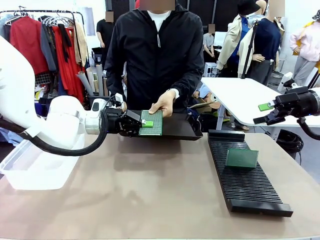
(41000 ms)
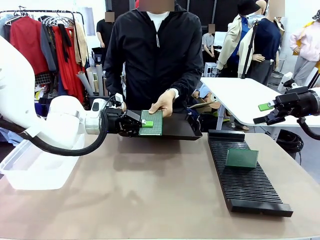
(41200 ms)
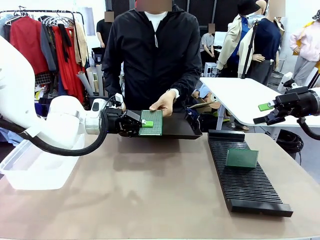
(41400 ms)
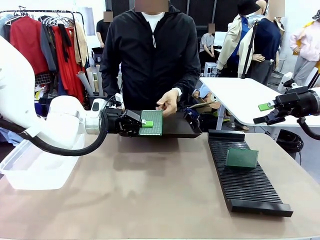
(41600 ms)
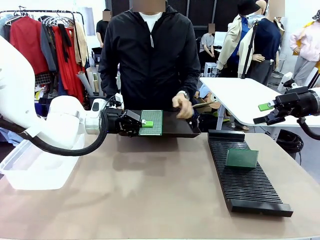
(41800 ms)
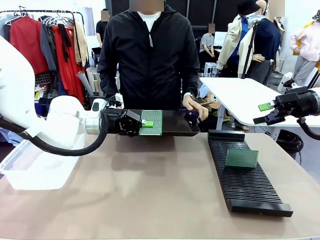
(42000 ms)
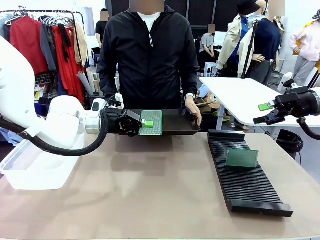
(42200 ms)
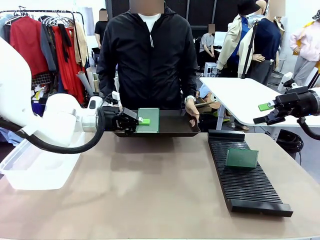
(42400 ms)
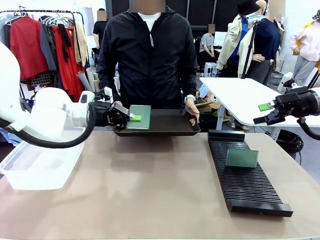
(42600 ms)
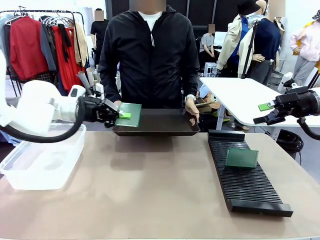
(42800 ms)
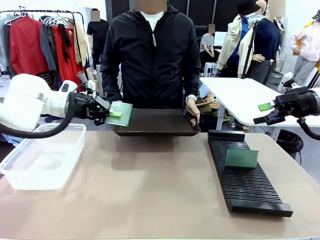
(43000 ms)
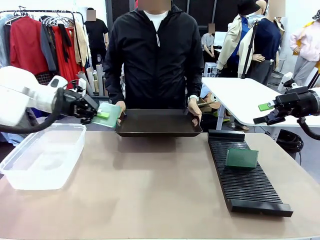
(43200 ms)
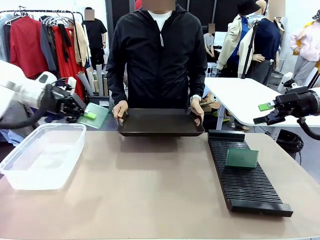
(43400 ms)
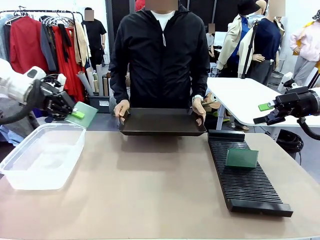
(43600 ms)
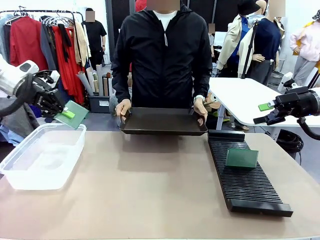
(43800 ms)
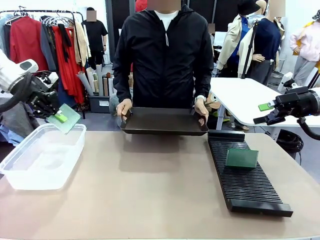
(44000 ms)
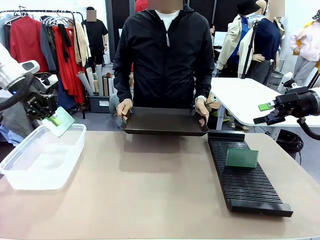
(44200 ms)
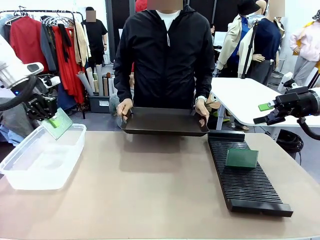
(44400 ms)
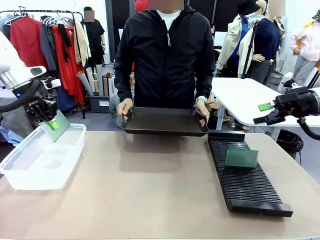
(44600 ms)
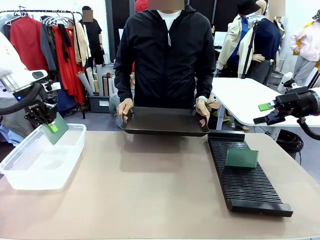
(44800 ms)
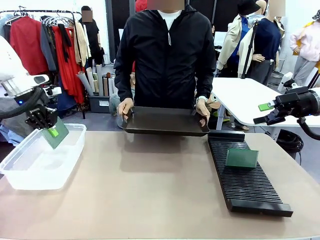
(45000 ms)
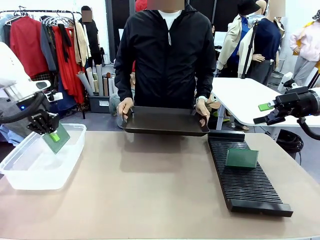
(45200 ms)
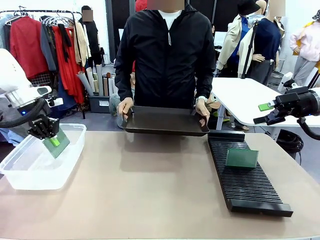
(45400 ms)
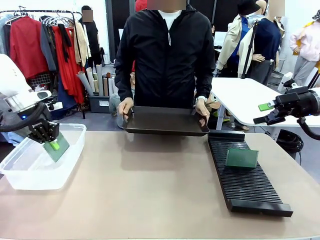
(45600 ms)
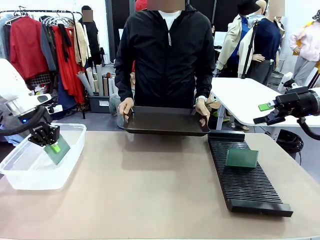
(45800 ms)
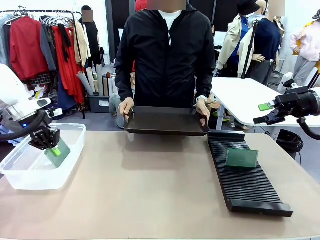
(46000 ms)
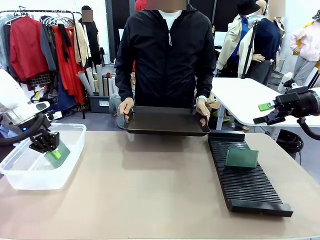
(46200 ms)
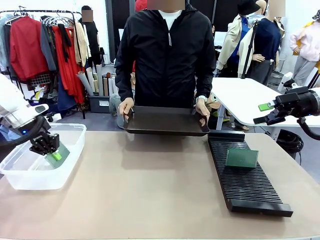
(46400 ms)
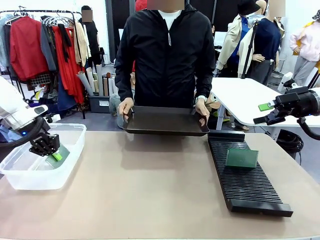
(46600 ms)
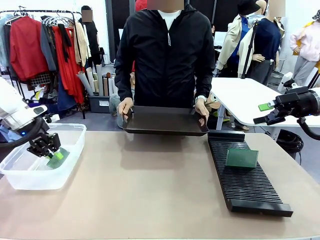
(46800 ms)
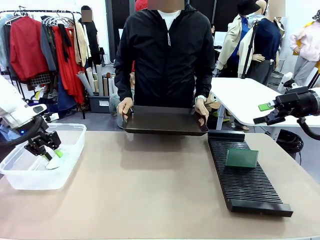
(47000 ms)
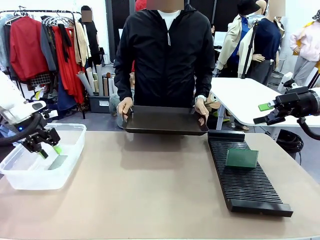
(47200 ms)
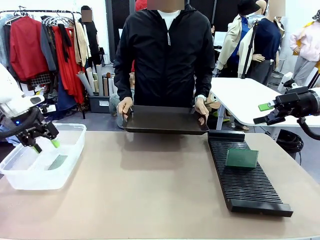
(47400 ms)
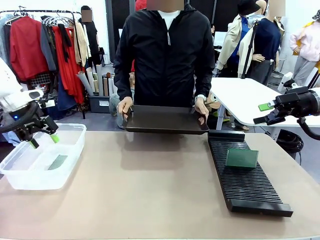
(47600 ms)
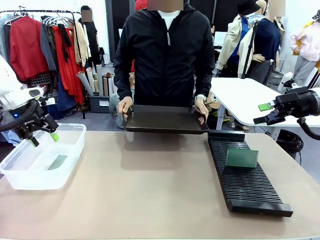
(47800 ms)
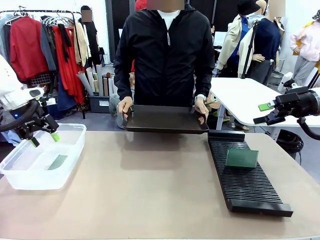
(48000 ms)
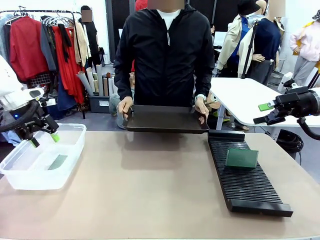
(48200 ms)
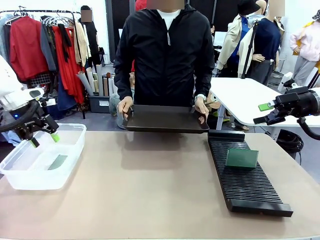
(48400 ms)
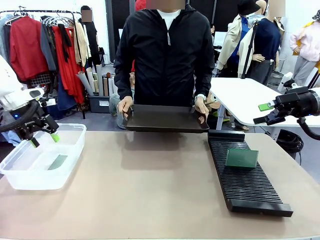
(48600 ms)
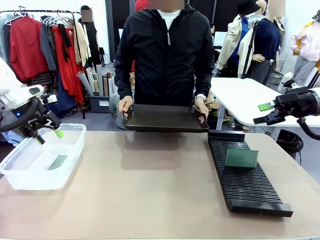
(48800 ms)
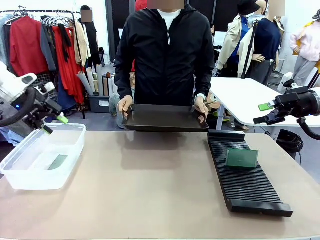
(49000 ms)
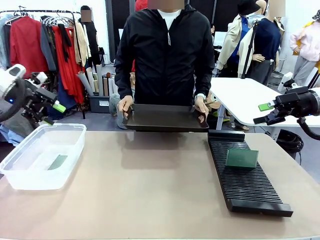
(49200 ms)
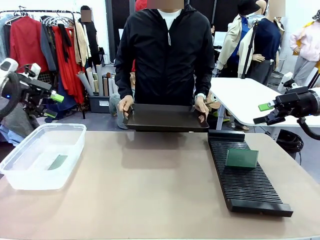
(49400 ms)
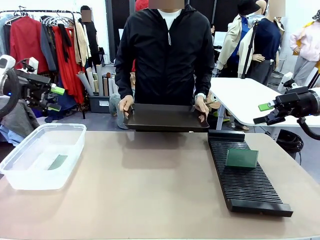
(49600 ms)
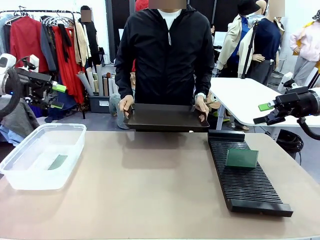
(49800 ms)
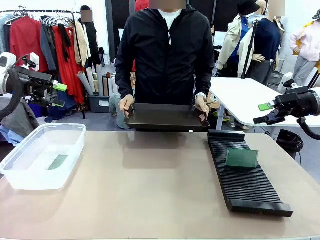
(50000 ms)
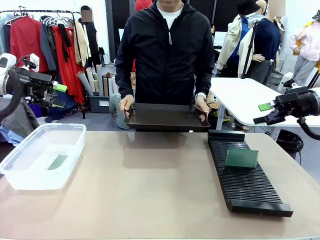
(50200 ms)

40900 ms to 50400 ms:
Task: Sort PCBs into racks and boxes based on the side picked up.
Robot: If the short side of the Blank PCB is picked up, insert it into the PCB Rack ; if the long side is picked up, place it in the Organizing box.
Person: Release the PCB being held.

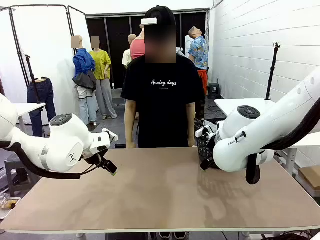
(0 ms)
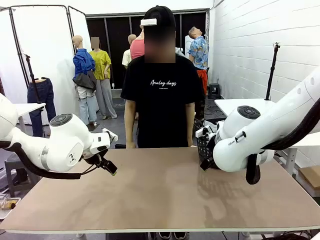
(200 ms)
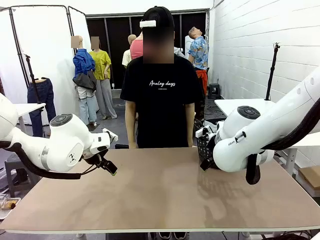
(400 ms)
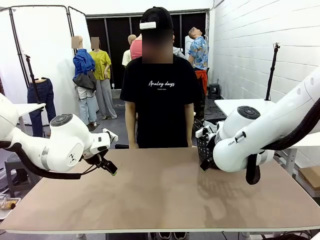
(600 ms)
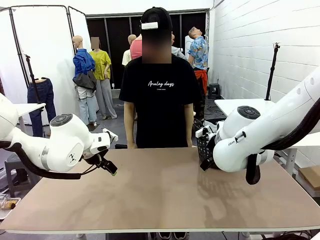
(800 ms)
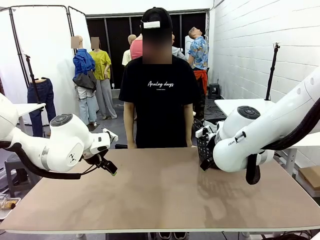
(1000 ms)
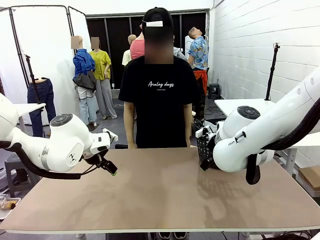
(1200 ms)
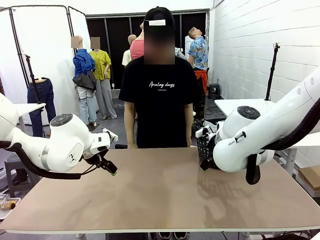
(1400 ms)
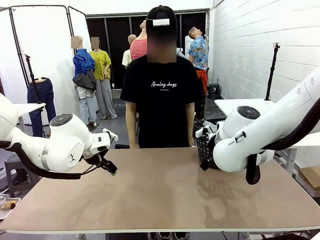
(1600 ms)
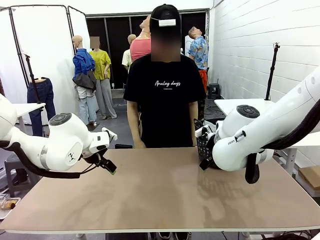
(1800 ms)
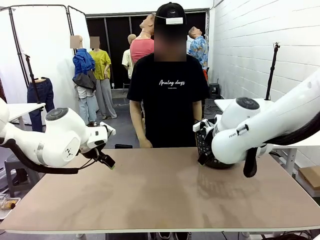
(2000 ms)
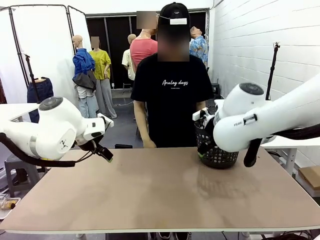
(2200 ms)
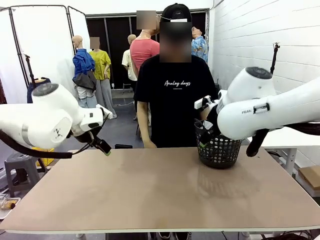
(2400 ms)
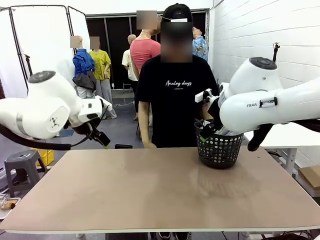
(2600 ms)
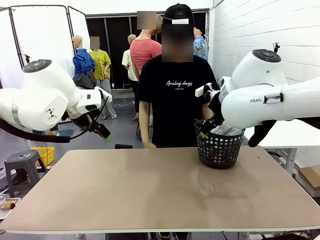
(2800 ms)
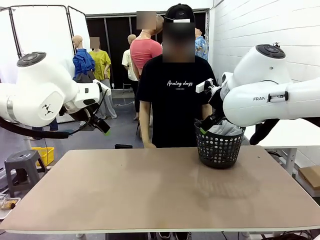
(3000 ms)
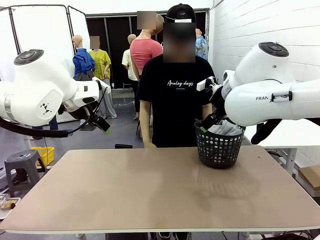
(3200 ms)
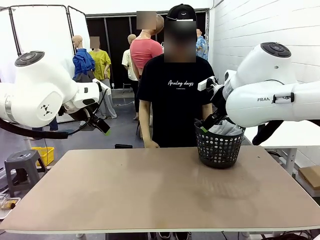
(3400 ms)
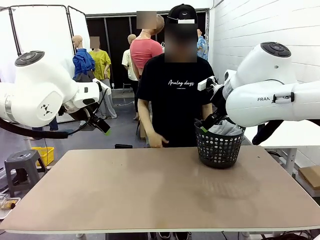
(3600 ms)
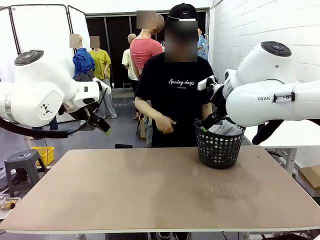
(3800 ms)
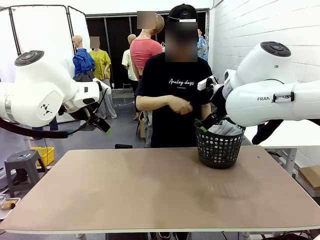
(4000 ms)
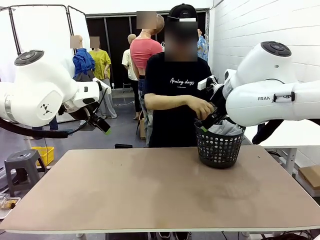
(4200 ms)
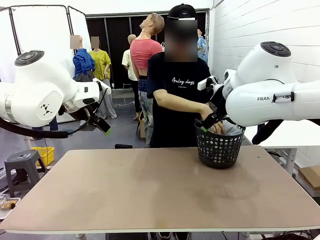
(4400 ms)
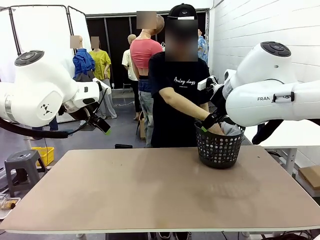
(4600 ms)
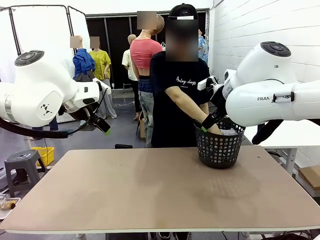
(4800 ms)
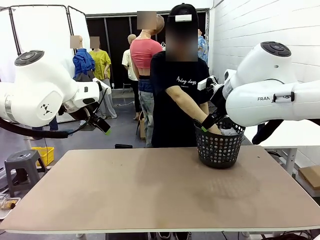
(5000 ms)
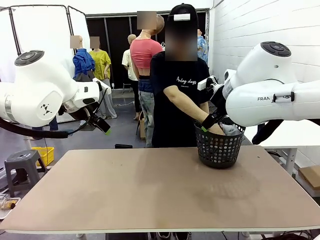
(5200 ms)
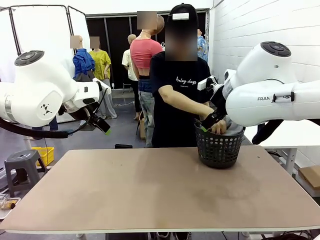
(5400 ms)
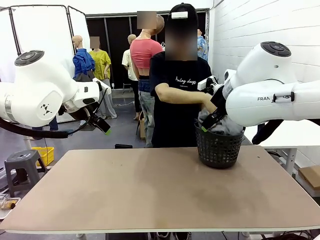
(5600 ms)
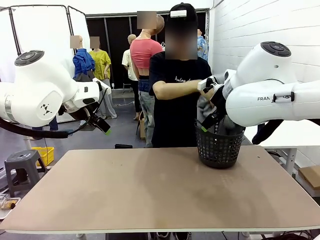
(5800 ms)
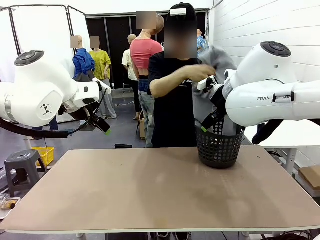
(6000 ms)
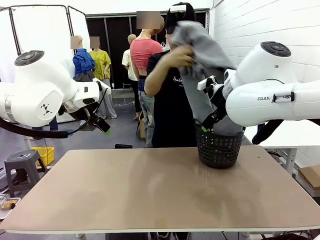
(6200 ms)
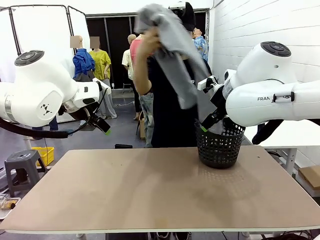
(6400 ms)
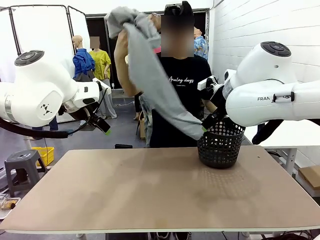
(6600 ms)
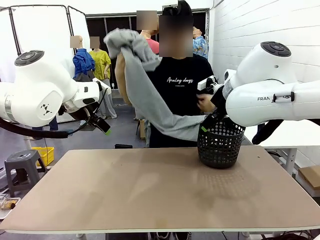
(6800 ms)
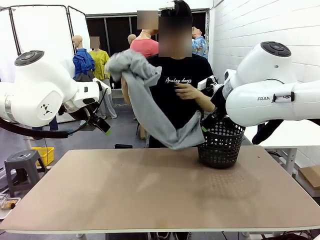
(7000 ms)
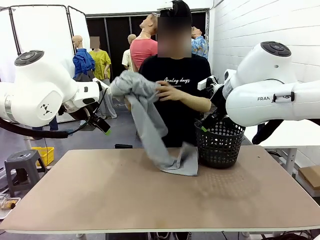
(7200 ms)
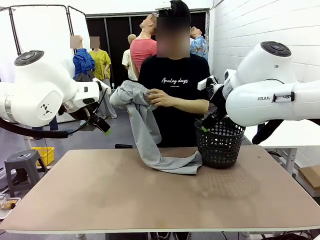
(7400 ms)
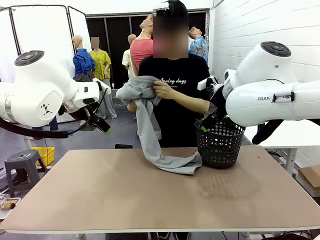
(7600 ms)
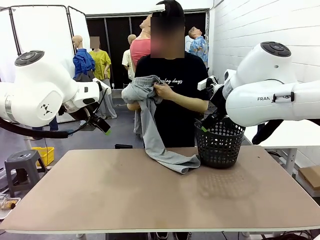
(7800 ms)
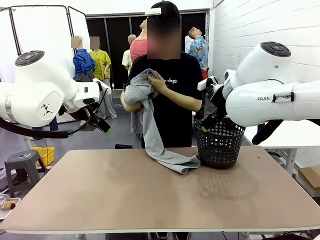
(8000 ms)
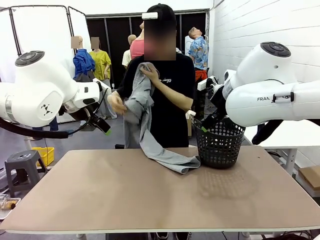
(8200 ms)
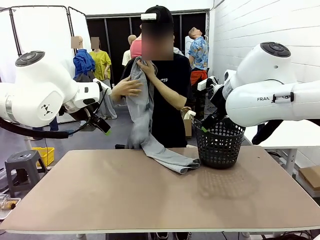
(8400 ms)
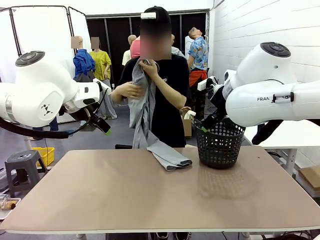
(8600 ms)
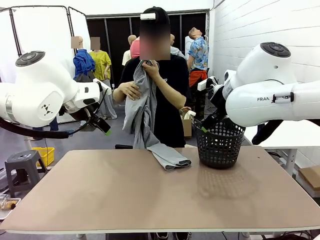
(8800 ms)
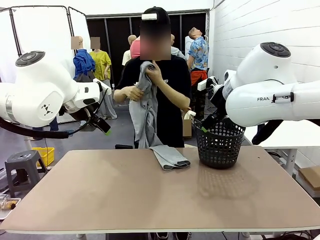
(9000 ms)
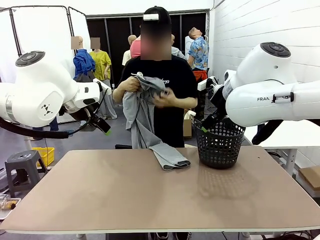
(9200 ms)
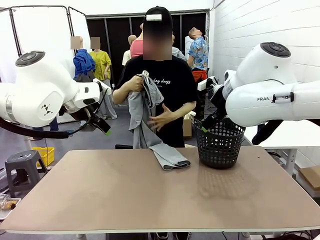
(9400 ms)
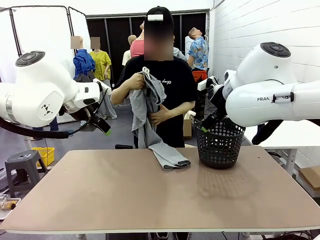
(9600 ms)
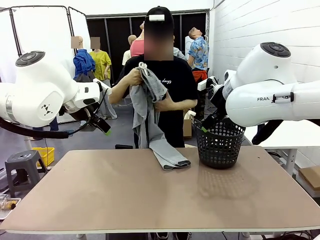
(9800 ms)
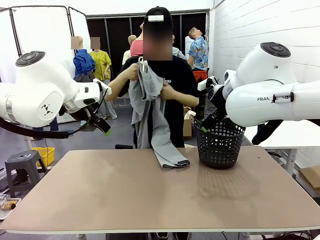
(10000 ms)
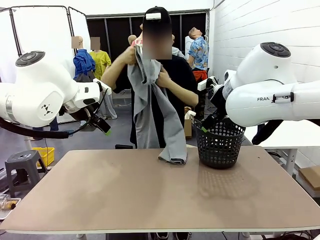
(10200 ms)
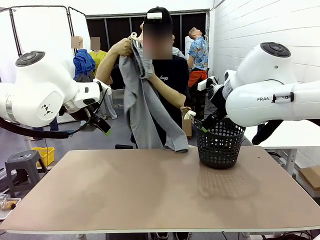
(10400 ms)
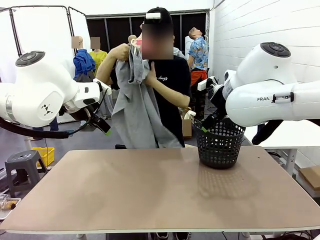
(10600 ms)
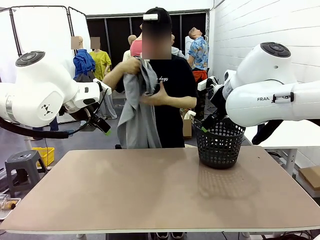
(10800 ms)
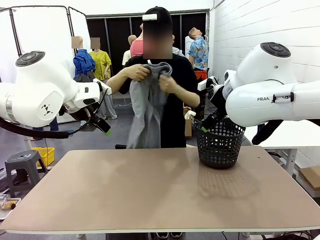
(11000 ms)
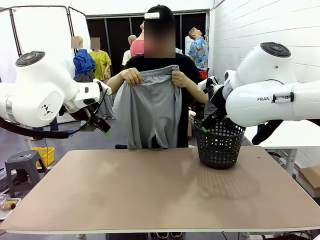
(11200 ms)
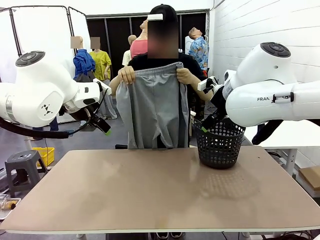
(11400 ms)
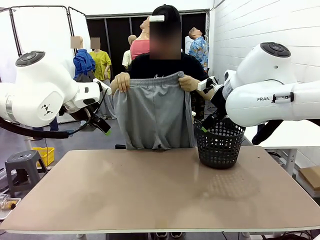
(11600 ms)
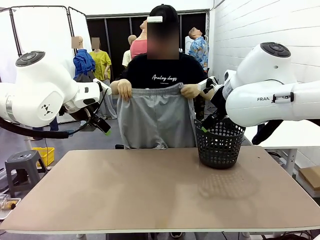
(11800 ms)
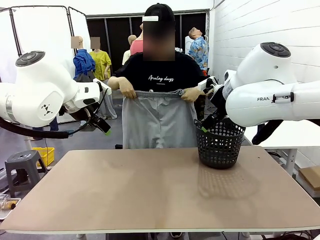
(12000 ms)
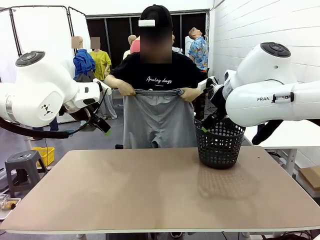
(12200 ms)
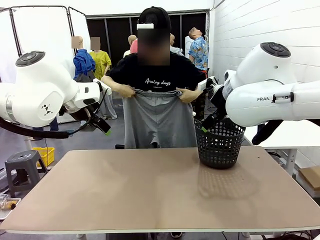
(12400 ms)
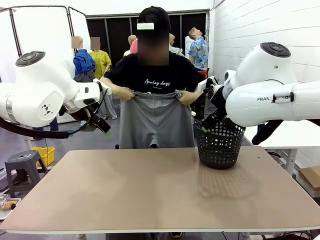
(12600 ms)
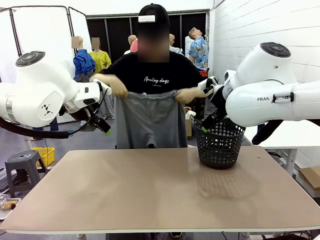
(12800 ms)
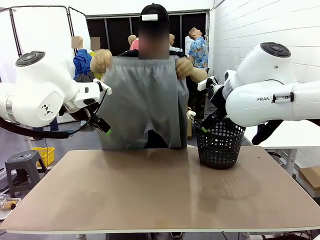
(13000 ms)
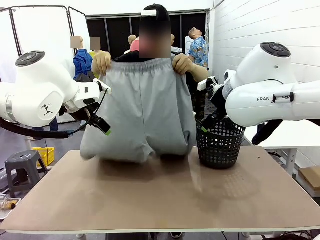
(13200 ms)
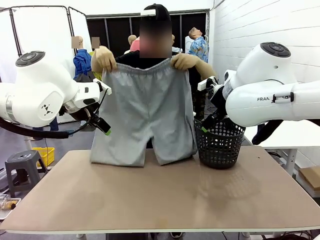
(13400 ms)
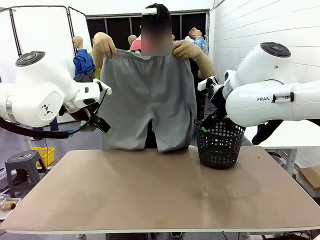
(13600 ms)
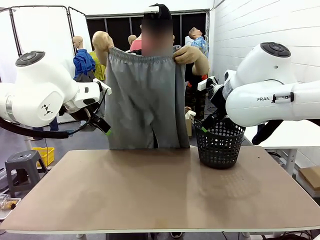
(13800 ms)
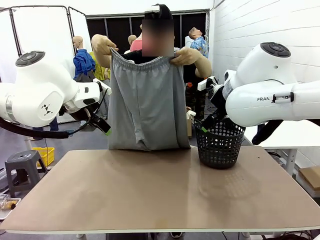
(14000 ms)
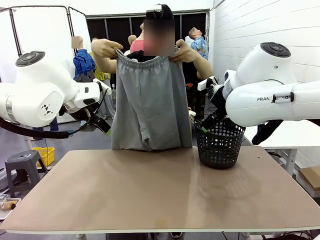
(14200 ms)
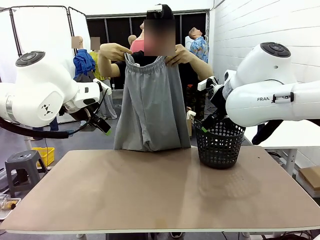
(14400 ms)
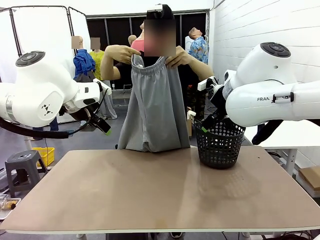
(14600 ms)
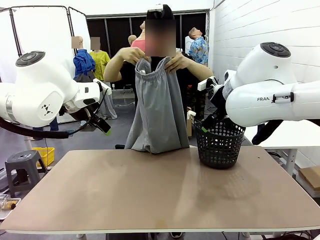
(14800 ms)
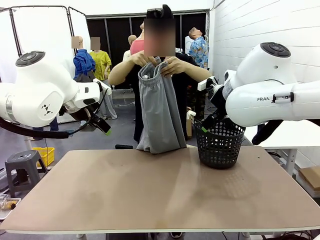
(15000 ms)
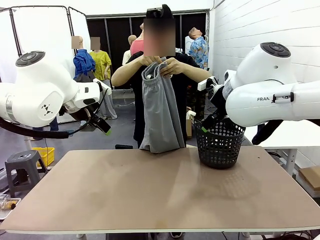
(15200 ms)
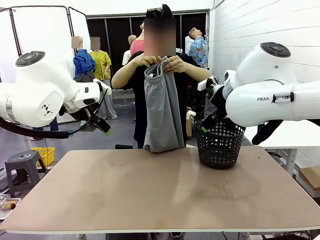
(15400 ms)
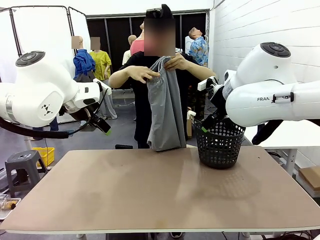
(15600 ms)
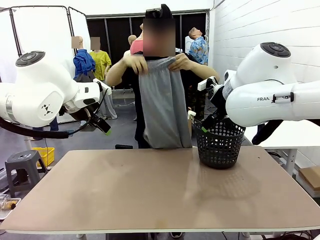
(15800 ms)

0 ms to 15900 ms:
Task: Fold the training pants.
Robot: Grab both ends of the Training pants handed by a person.
Person: Take the long pants out of the laundry basket, unfold them, fold the waist in half, and extend them so the robot can pick up both corners.
